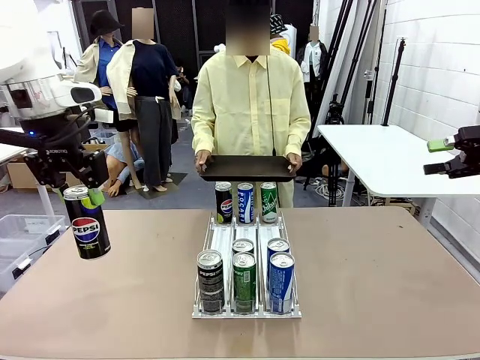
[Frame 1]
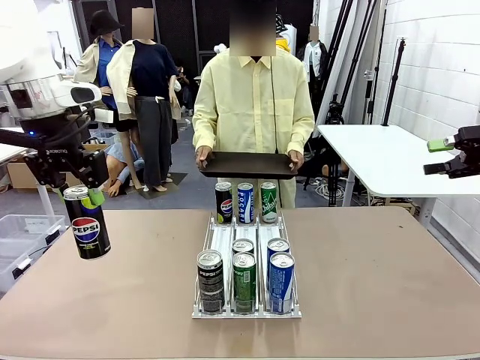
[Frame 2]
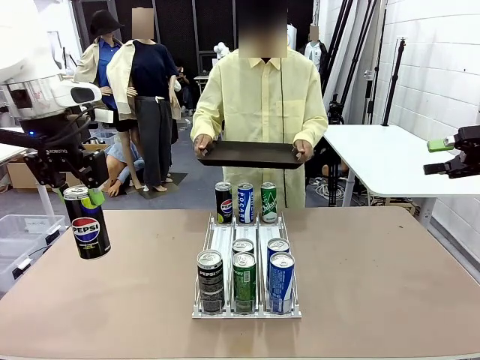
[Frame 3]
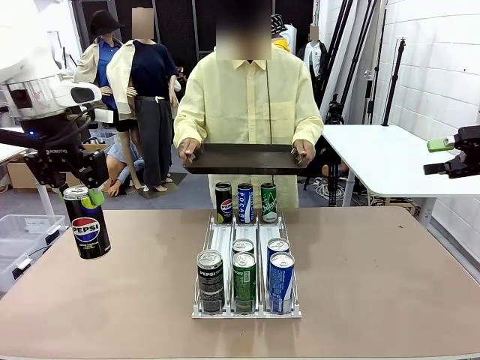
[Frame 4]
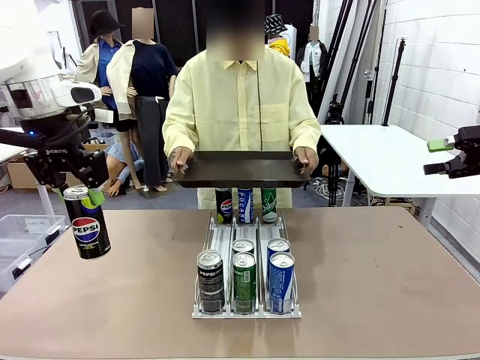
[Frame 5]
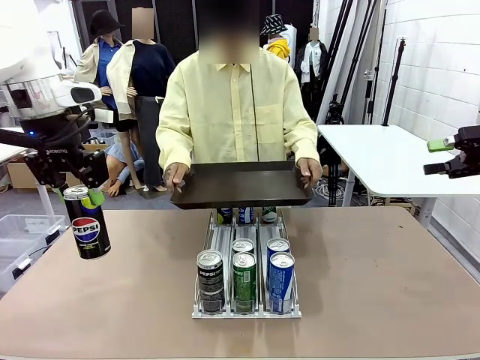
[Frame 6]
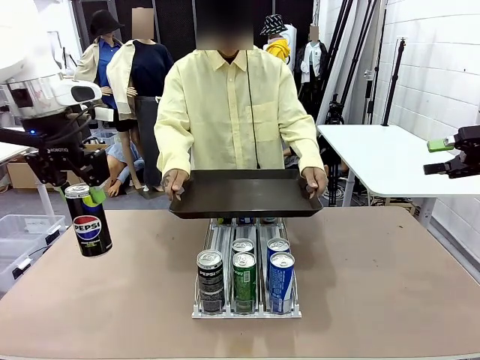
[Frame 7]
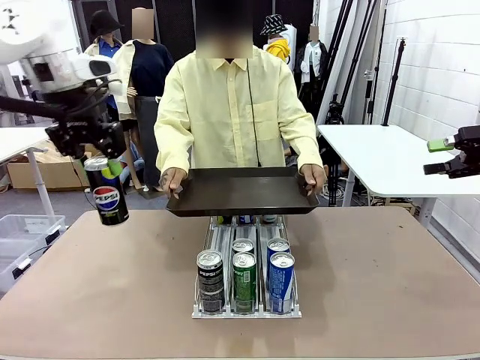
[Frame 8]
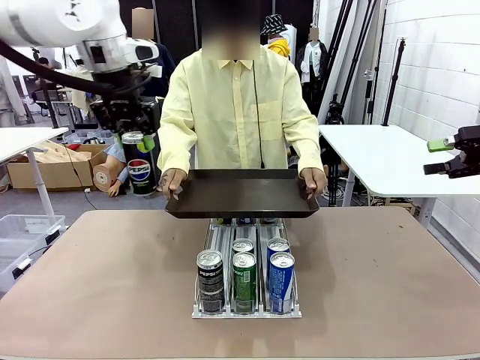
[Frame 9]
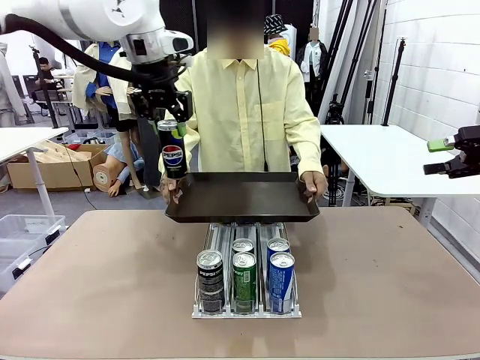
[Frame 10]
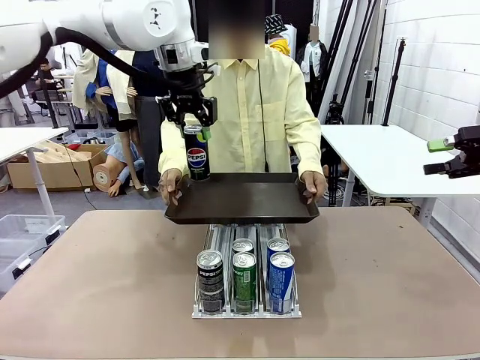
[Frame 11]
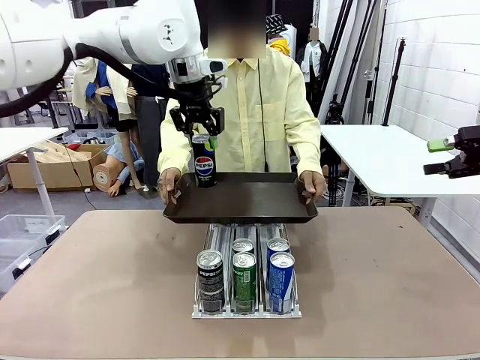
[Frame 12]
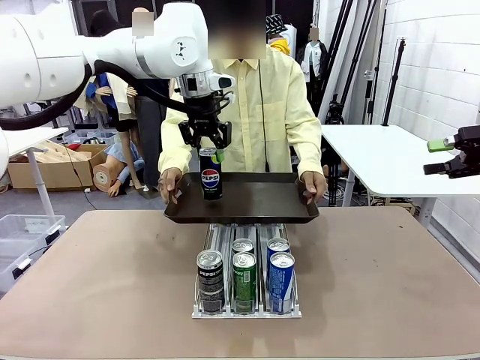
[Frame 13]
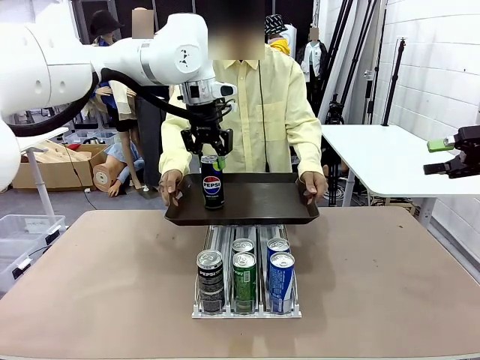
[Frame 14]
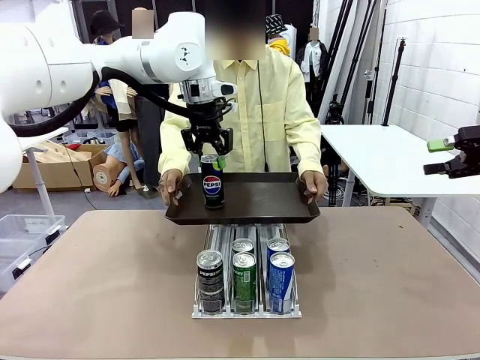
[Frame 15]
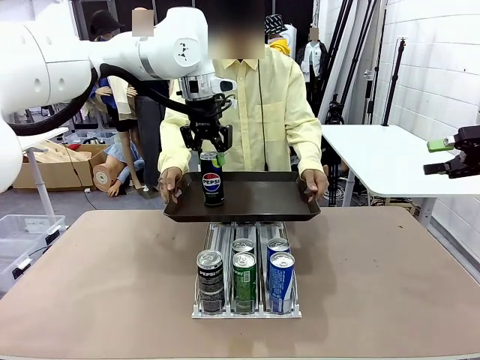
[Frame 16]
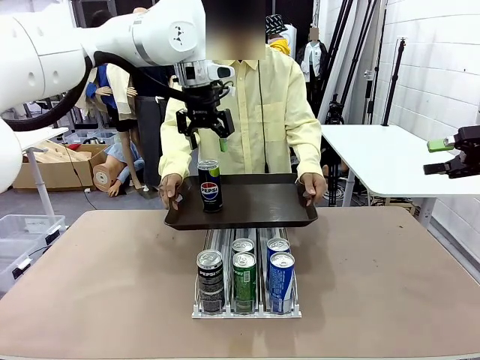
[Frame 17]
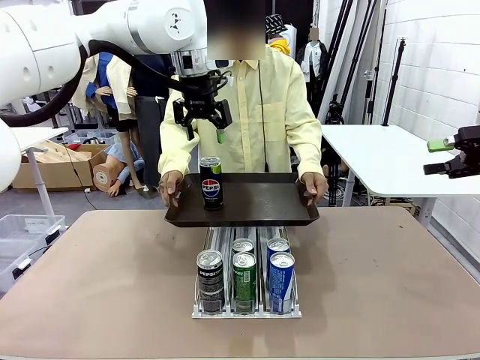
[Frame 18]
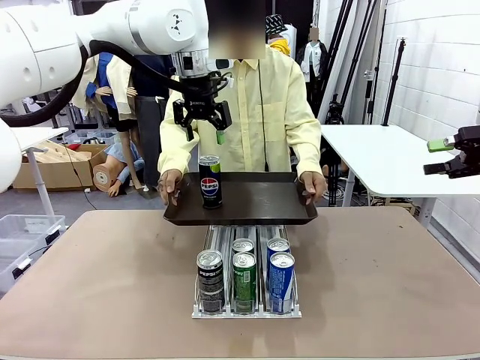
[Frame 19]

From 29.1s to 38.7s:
Task: Retrieve and hand over the desired beverage to the person.
Robot: Place the picked can on the Handle tray extended by the person.

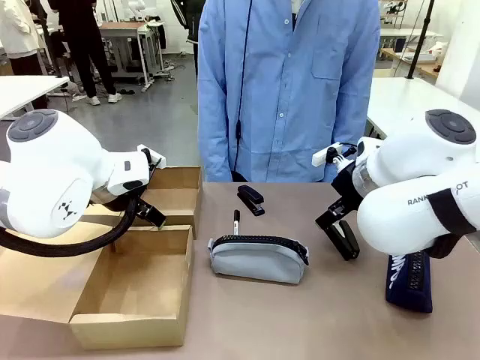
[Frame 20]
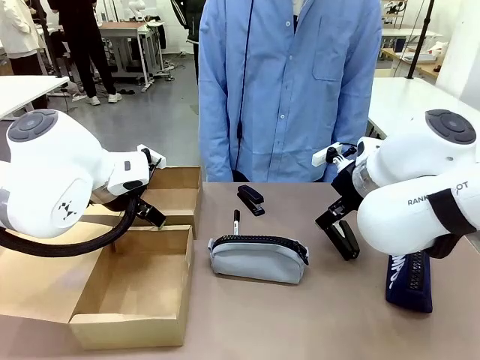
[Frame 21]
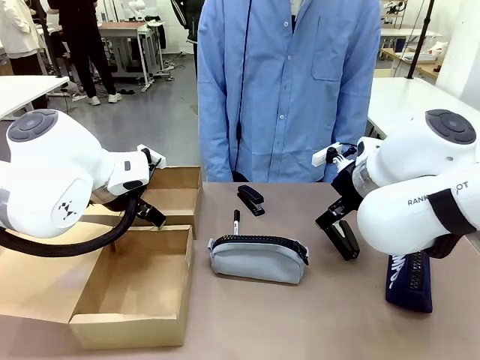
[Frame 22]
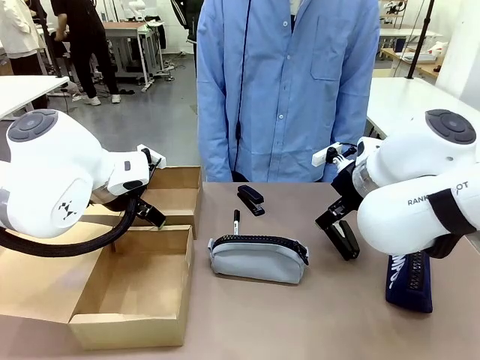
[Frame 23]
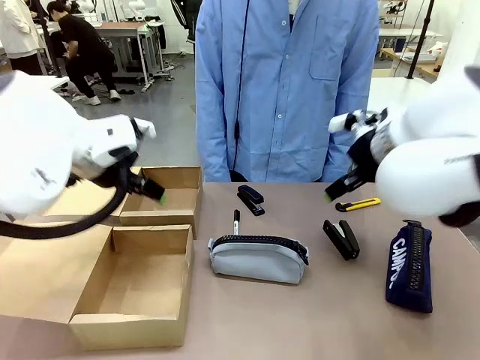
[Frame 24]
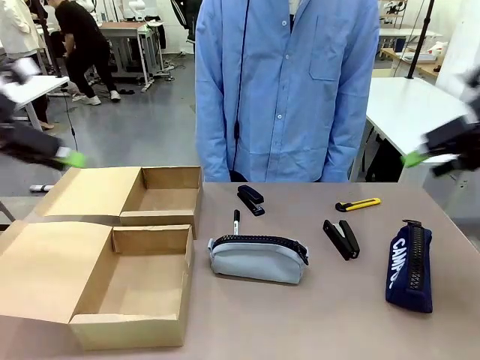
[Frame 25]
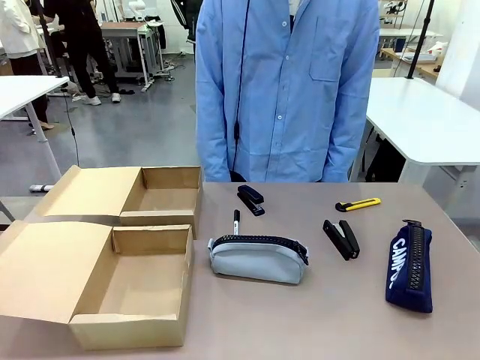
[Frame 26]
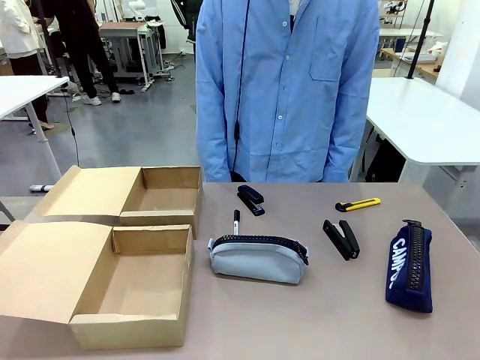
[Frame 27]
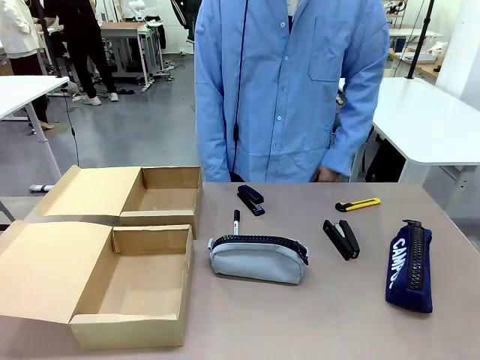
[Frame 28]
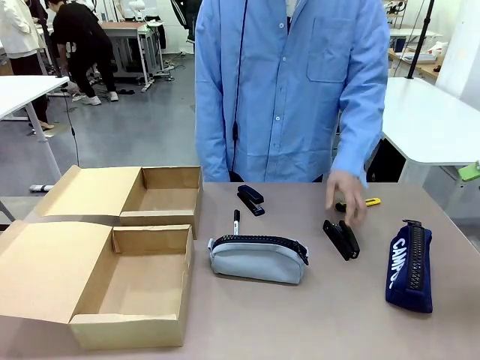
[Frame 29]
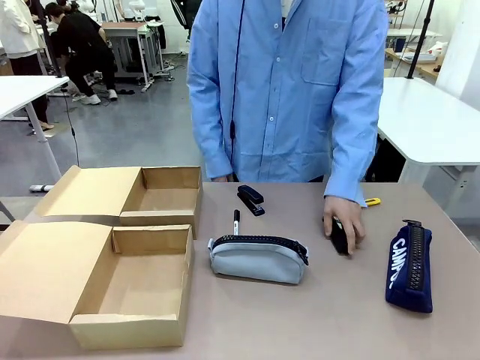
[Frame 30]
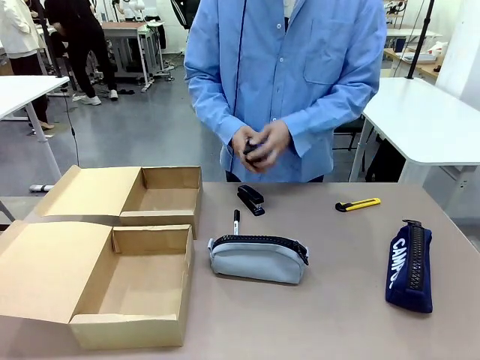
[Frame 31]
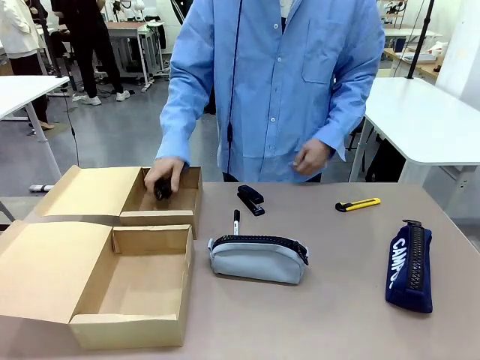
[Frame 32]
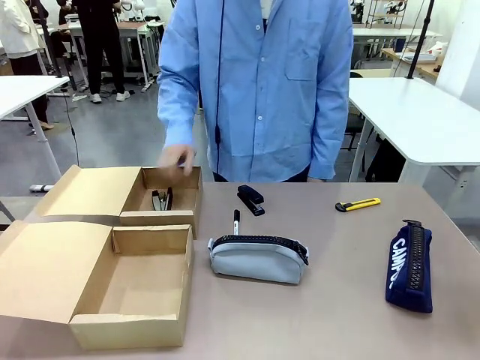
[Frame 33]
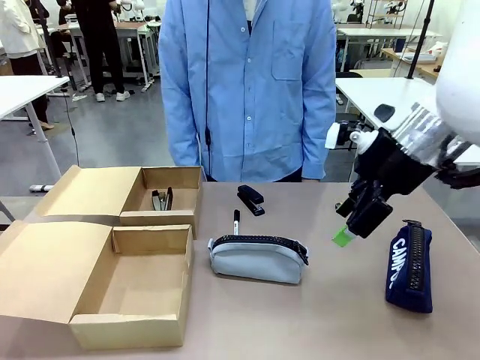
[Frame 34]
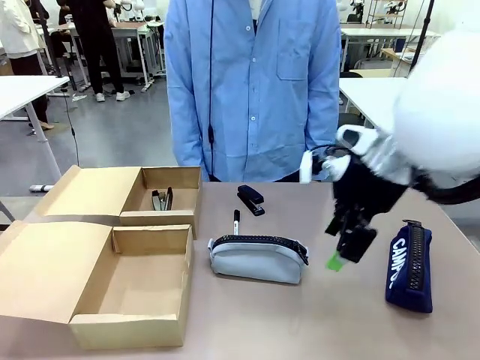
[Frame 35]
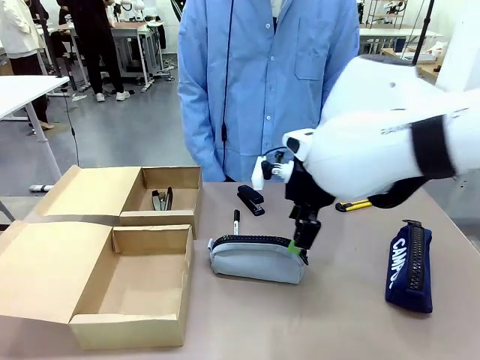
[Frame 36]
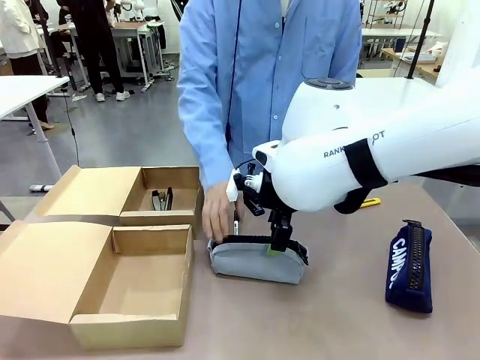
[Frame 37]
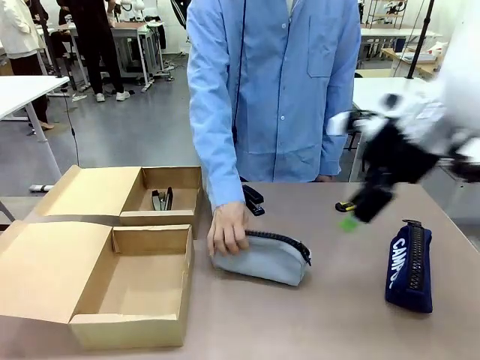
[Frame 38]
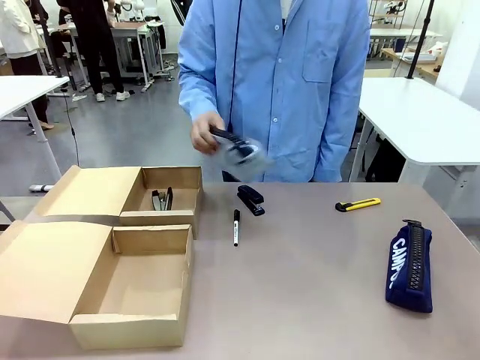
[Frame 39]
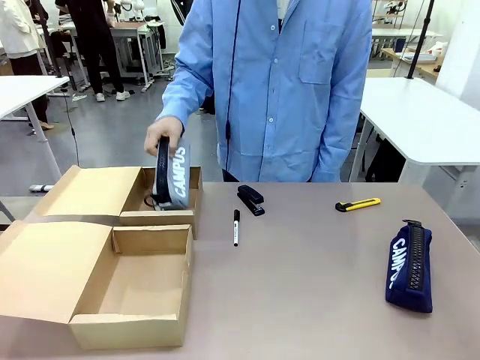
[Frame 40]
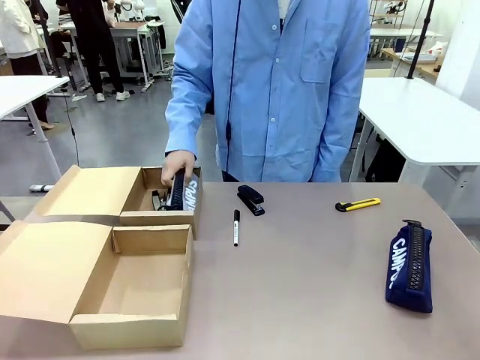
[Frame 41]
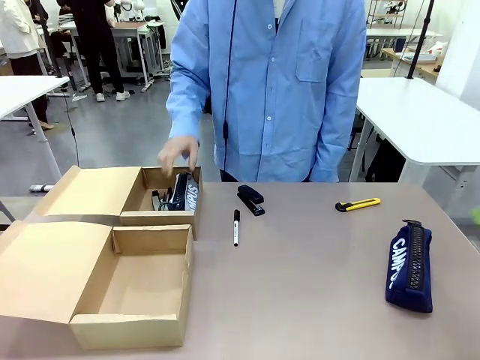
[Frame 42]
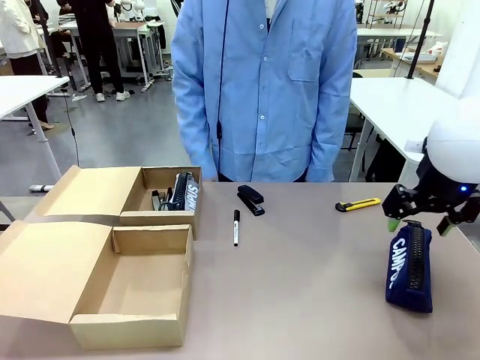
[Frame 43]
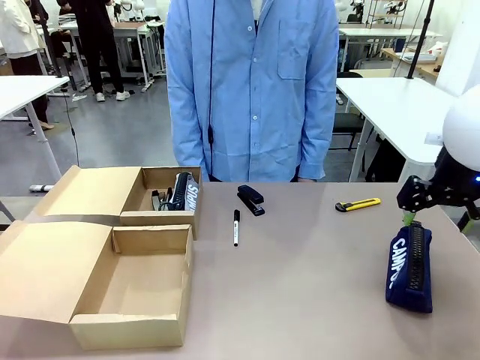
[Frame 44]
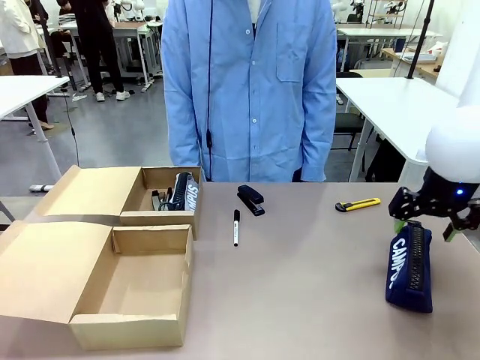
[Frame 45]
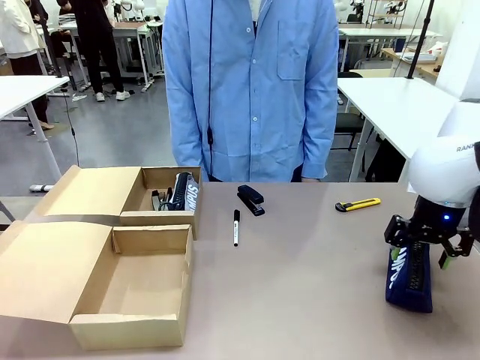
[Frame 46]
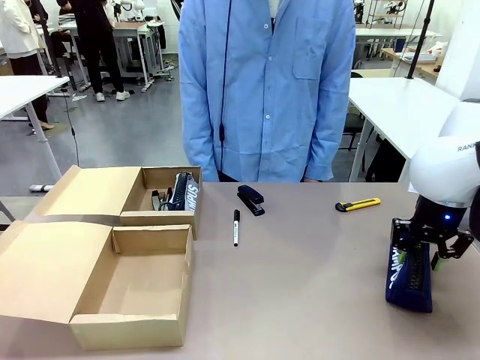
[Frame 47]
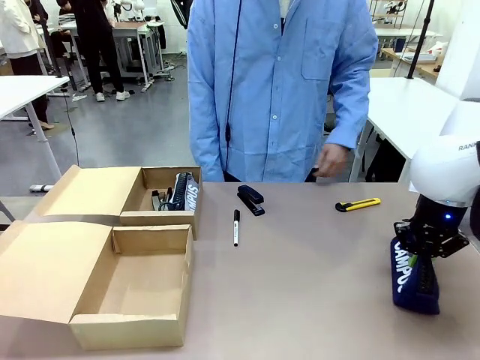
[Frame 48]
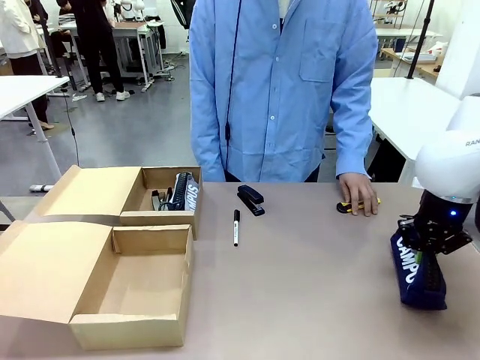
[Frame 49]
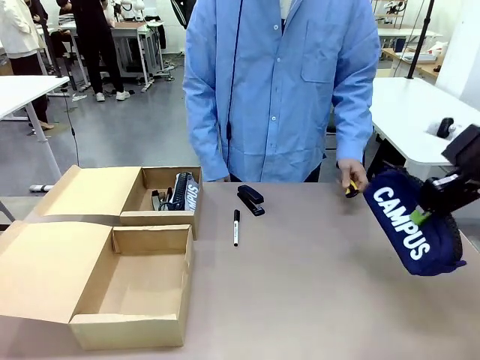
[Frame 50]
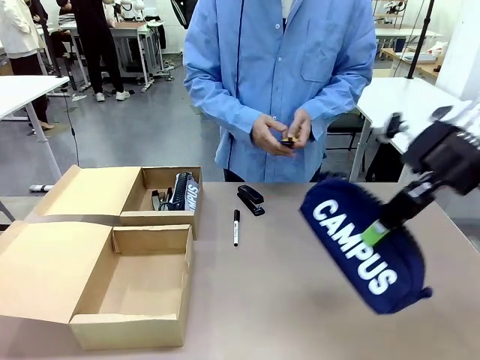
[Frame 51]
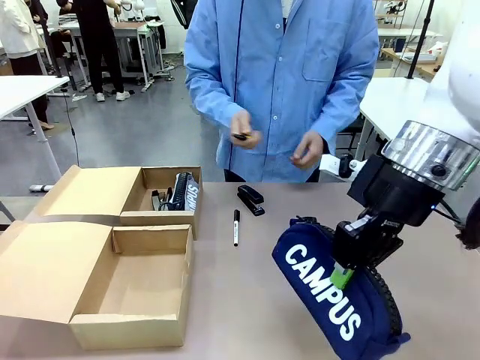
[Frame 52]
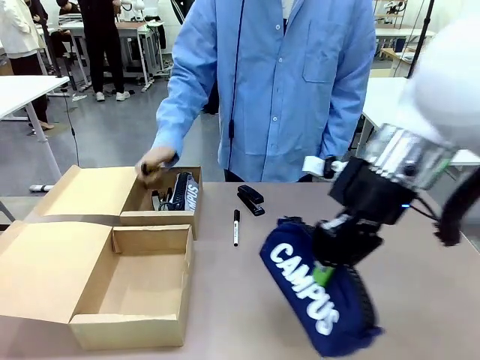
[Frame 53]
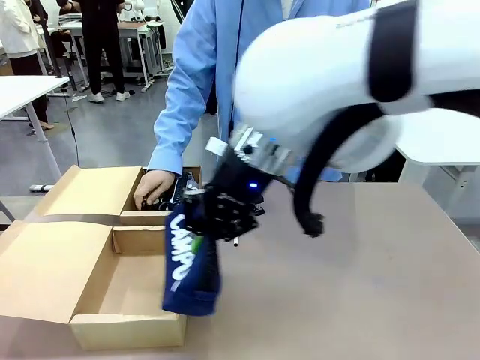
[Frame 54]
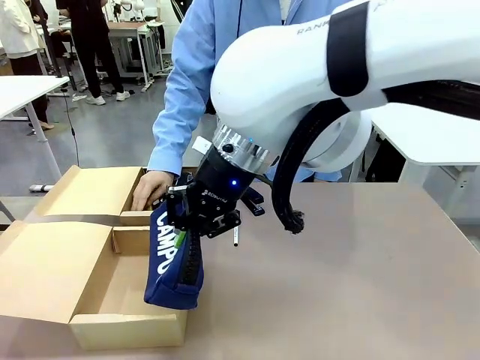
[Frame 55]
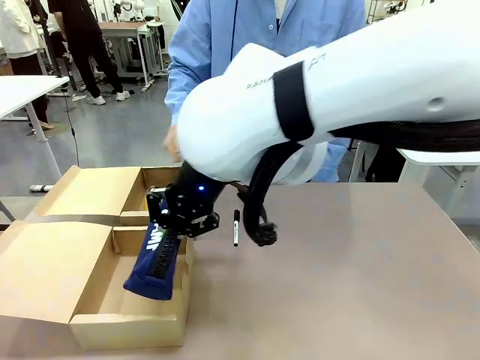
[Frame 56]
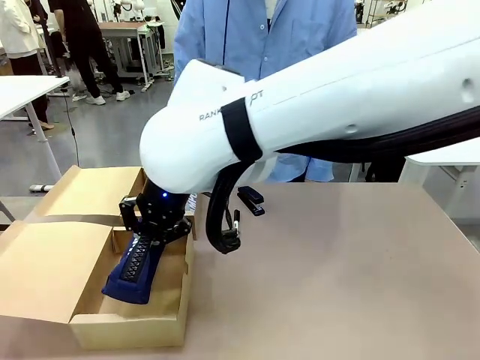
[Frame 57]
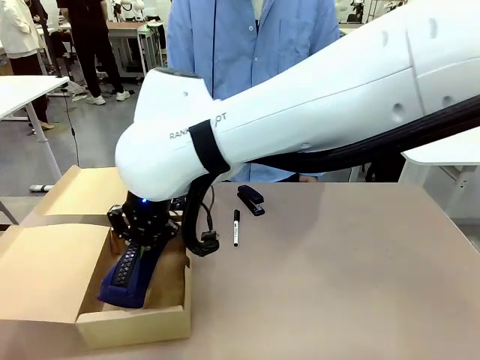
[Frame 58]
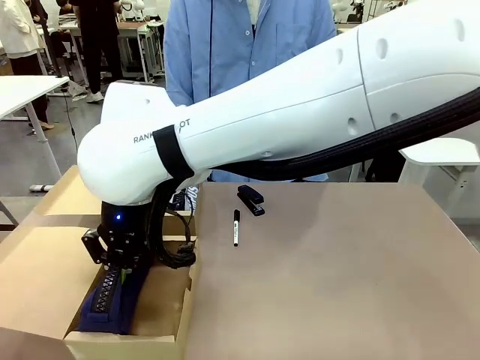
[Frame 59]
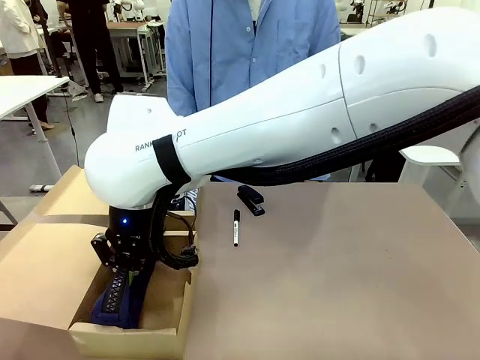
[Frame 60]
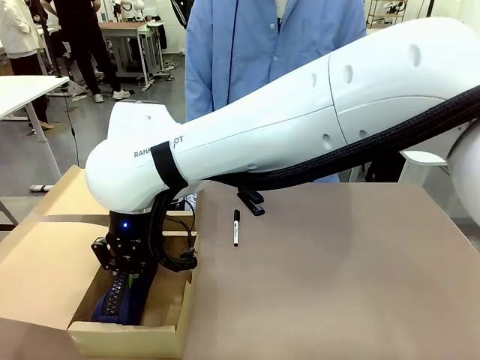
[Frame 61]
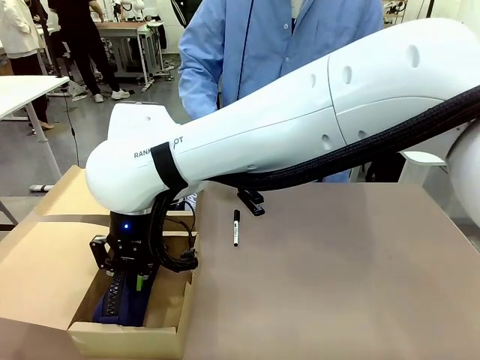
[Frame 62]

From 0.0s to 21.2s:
Task: Place items inside the box.
Robot: Pick up a Pencil pouch or Stapler and place it inside the Mailer Box closest to the robot.
Person: Pick up an object on the table and put it in the box.
